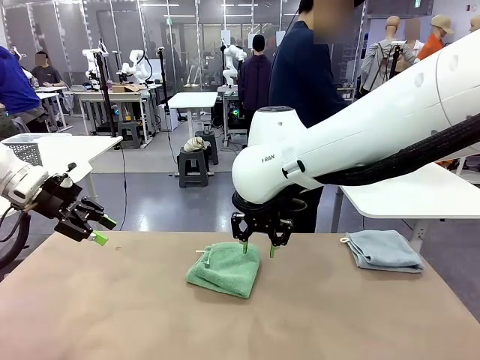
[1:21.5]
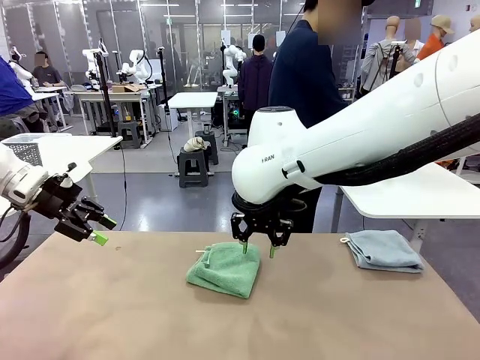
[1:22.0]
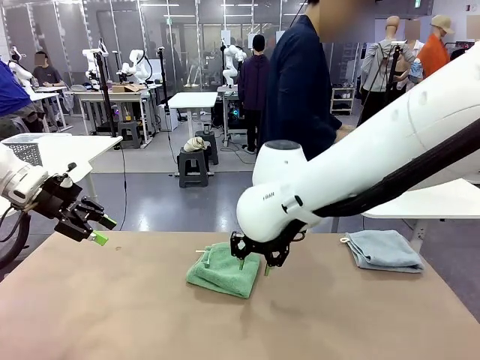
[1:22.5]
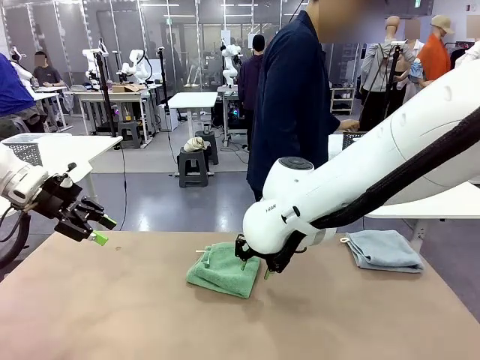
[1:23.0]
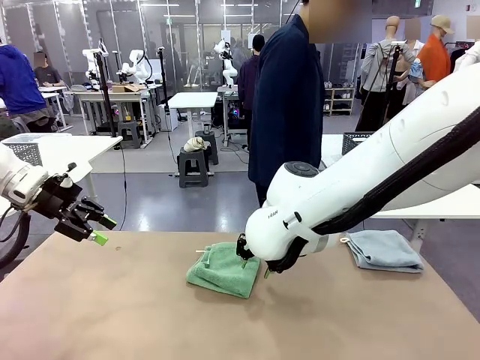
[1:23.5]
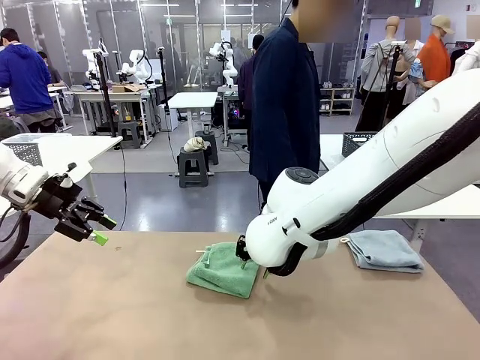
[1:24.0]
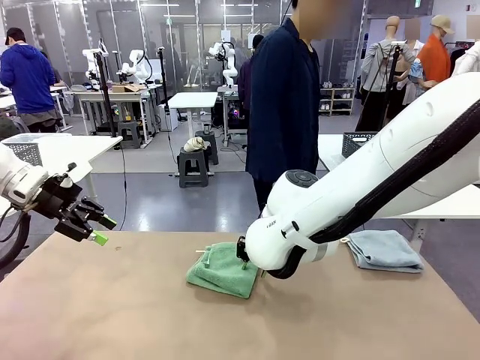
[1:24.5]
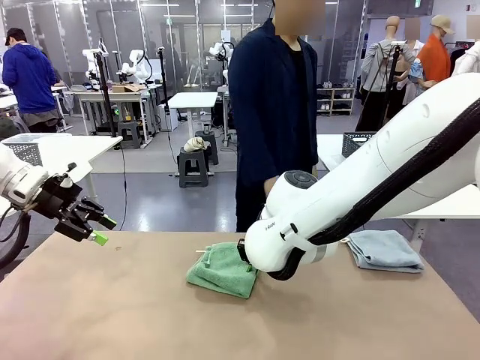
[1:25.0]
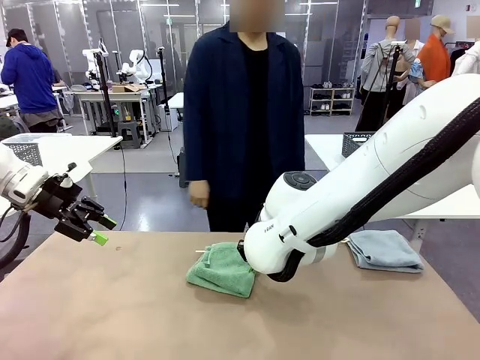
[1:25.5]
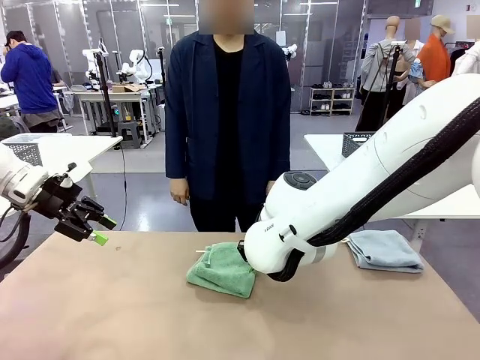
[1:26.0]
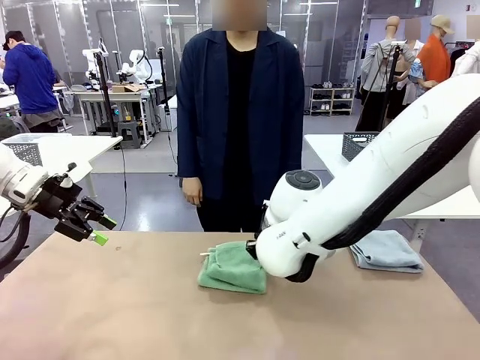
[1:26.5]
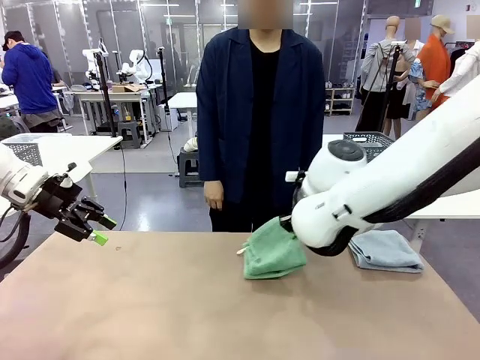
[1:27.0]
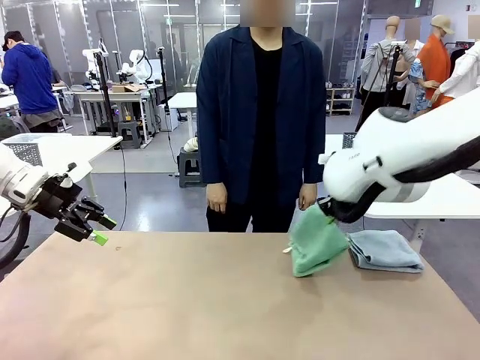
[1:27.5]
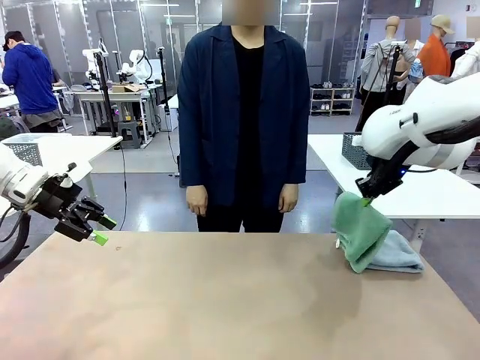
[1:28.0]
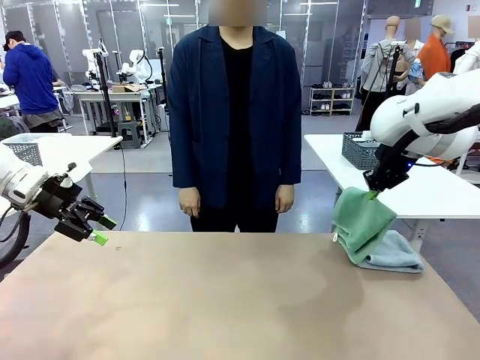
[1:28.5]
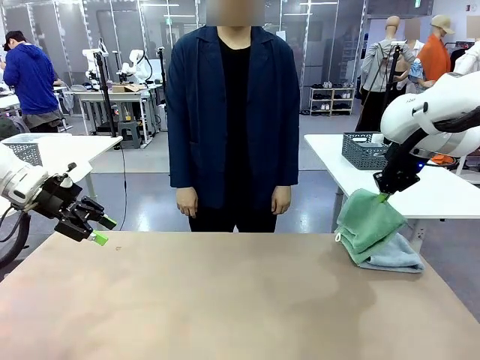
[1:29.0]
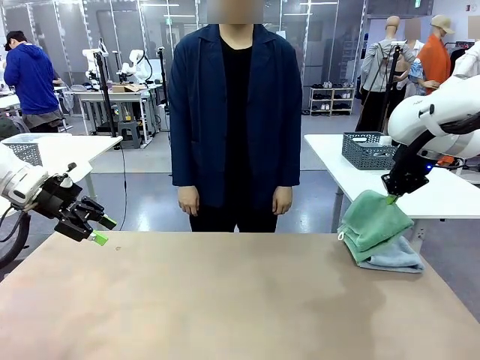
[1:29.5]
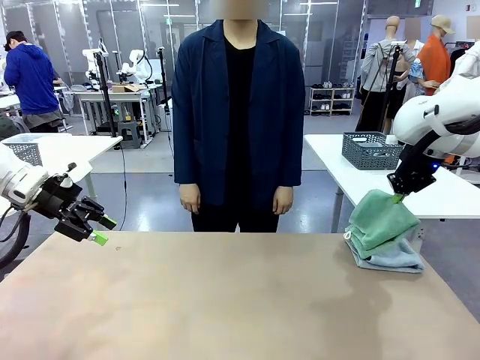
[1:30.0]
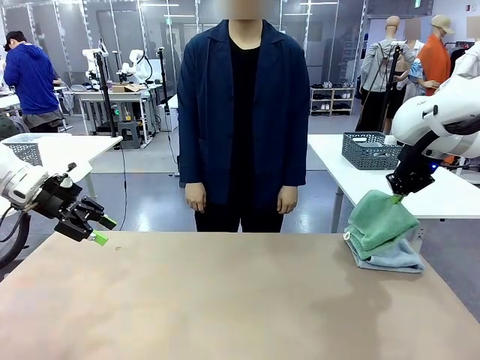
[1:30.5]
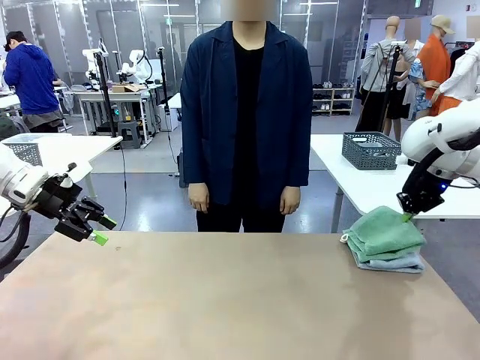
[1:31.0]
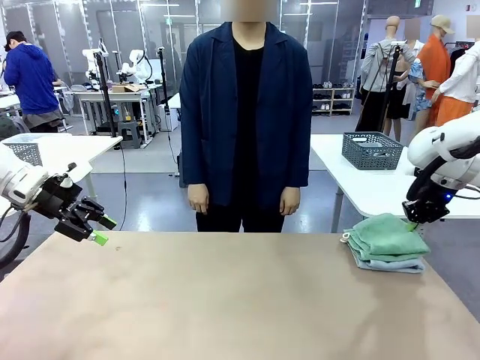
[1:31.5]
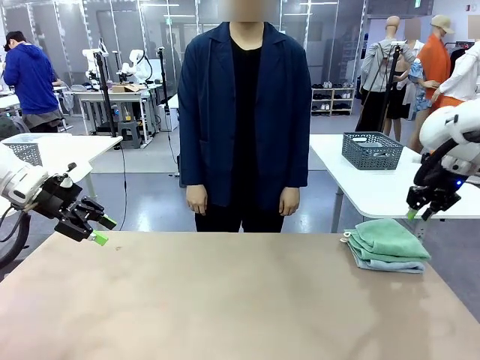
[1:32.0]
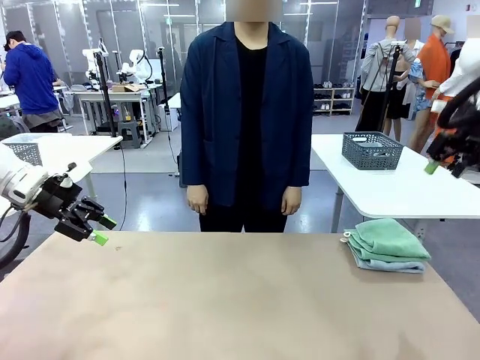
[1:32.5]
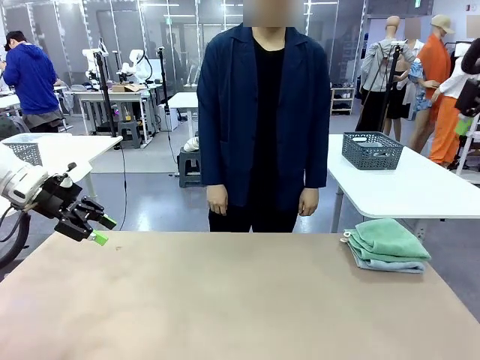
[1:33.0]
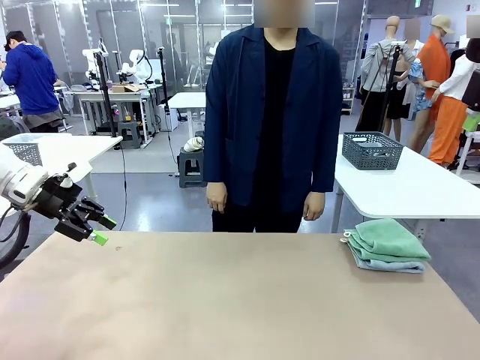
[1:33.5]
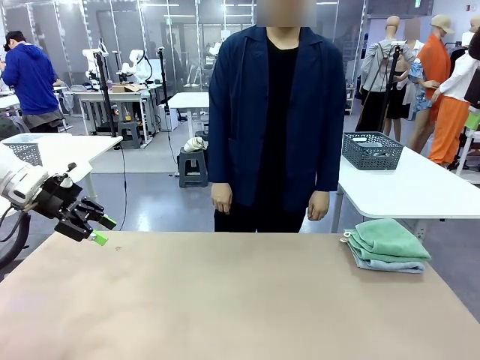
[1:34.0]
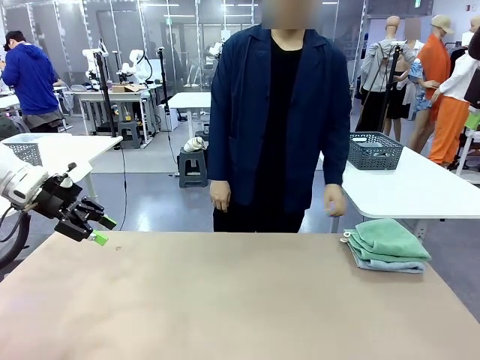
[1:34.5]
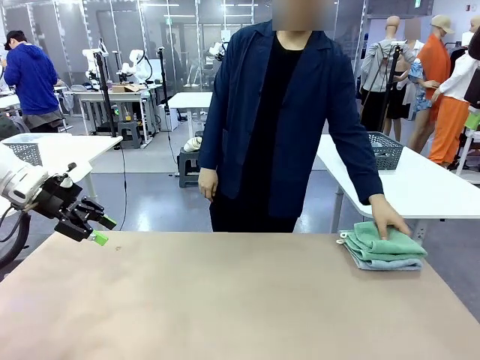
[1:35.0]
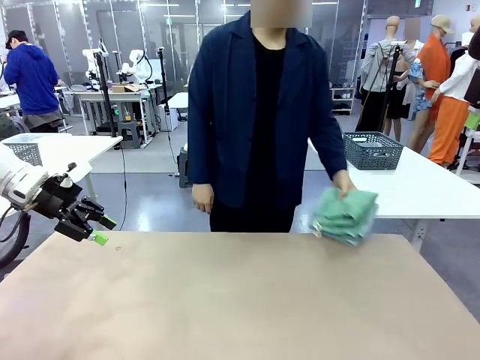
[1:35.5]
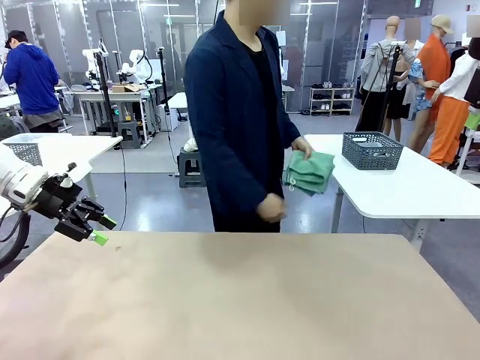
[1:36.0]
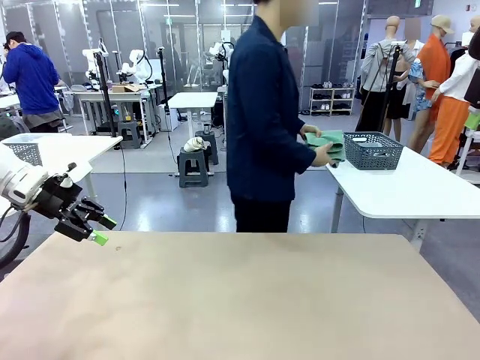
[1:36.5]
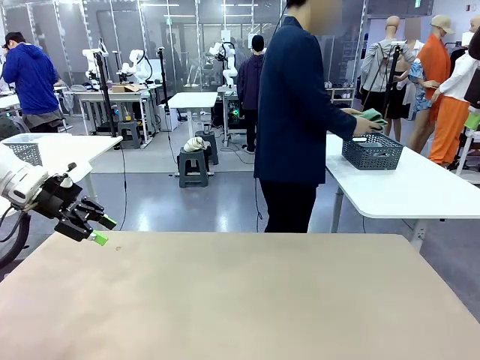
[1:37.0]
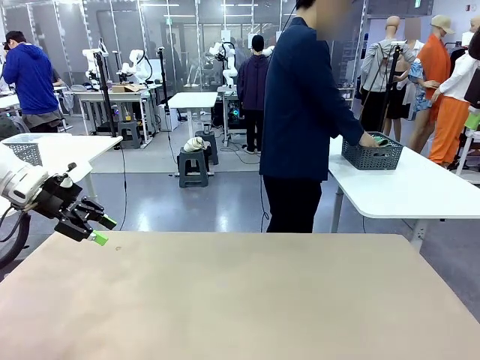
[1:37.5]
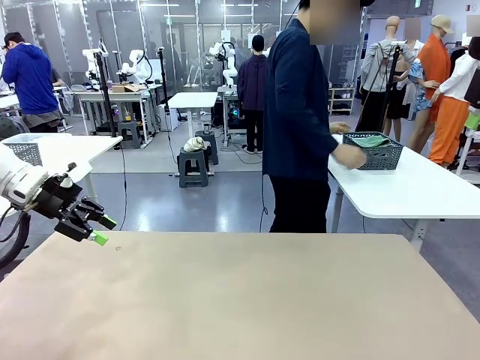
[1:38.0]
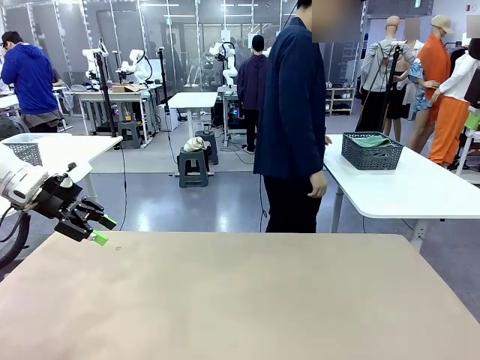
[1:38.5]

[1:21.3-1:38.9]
Task: Fold the towels and place them in the basket.
Robot: Stack the folded Towel with hook on the right side of the table.
Person: Pick up the stack of towels from the robot table and place it into the basket.

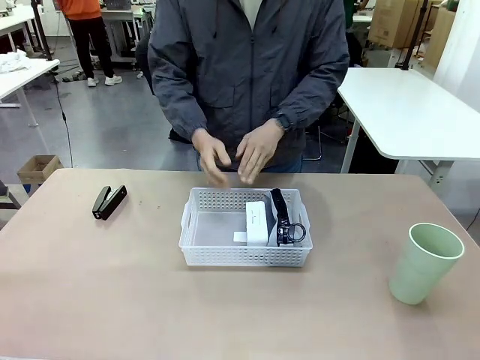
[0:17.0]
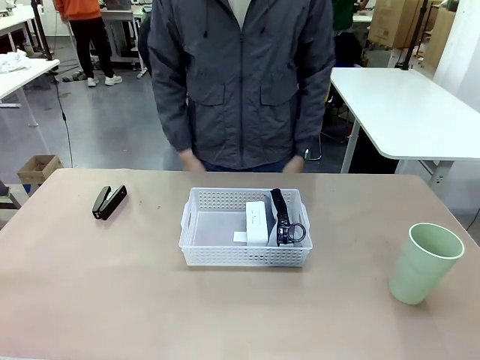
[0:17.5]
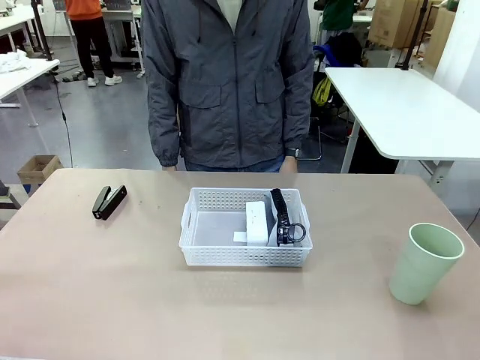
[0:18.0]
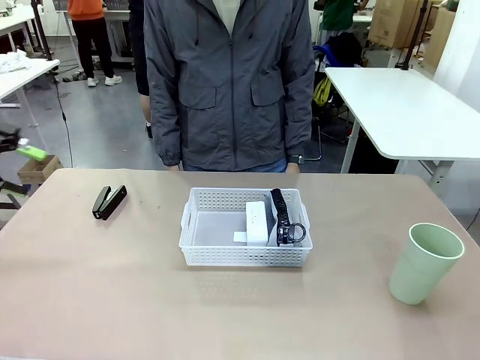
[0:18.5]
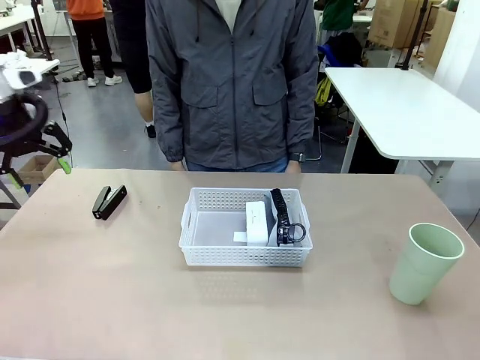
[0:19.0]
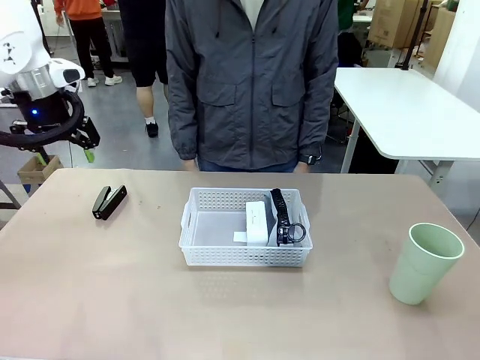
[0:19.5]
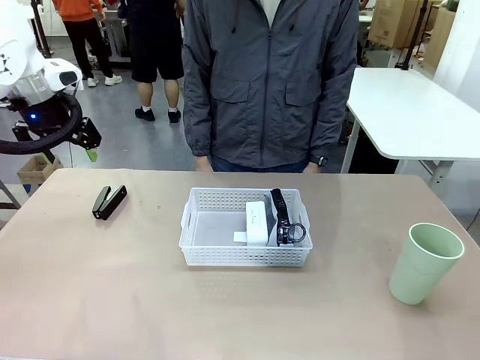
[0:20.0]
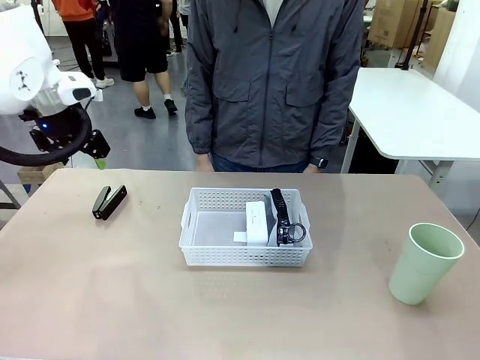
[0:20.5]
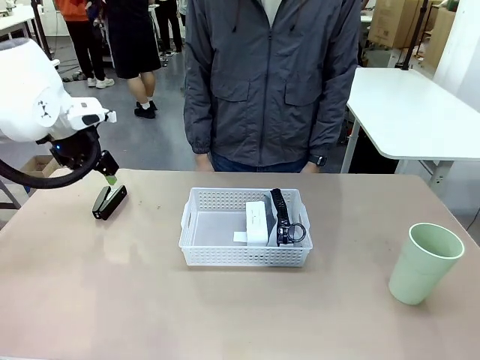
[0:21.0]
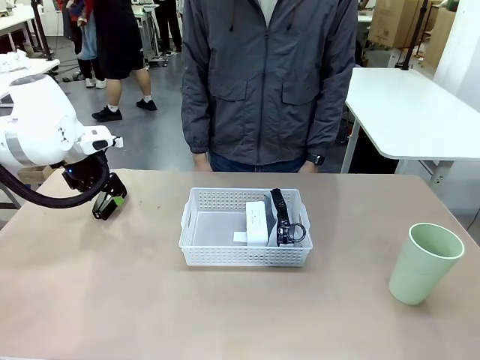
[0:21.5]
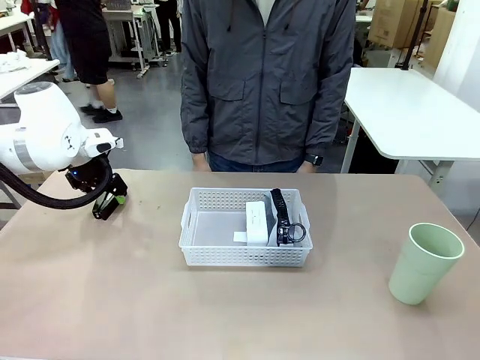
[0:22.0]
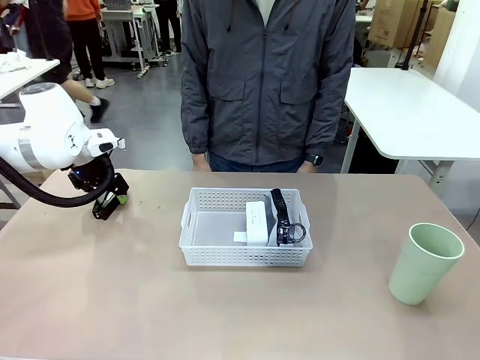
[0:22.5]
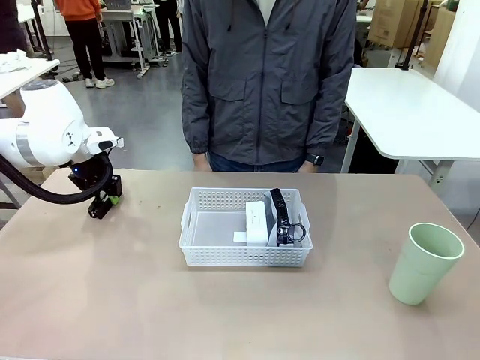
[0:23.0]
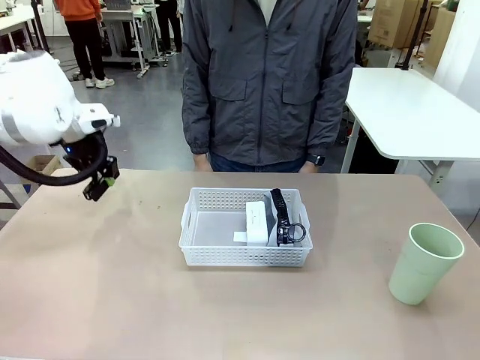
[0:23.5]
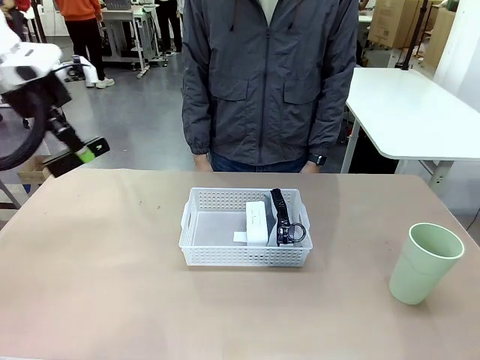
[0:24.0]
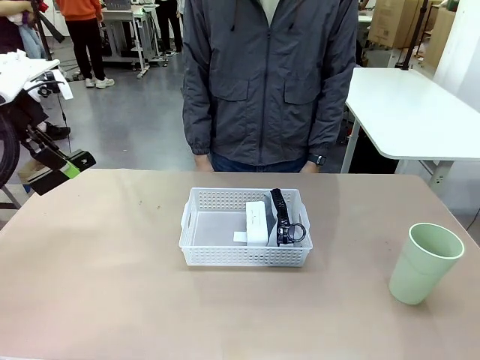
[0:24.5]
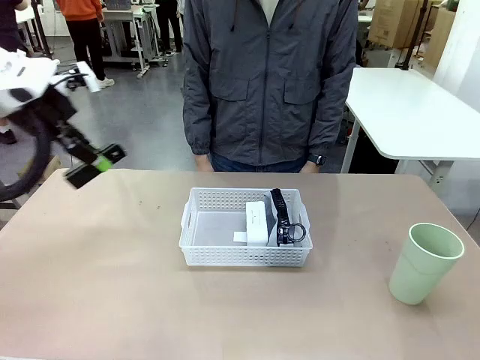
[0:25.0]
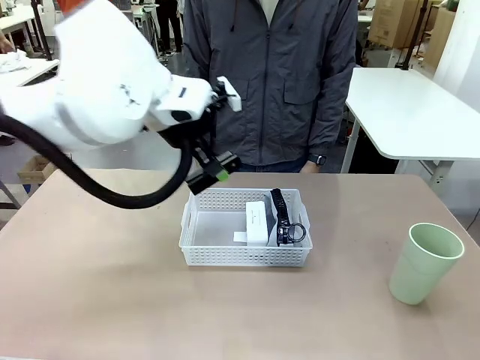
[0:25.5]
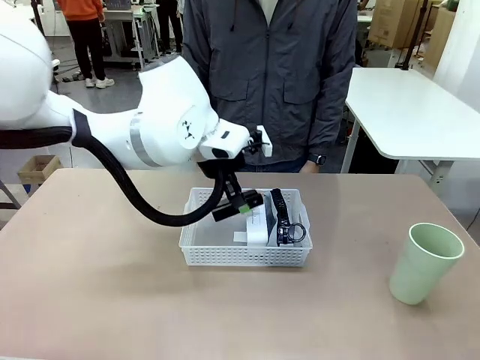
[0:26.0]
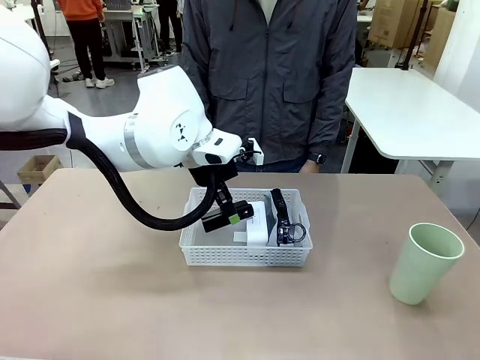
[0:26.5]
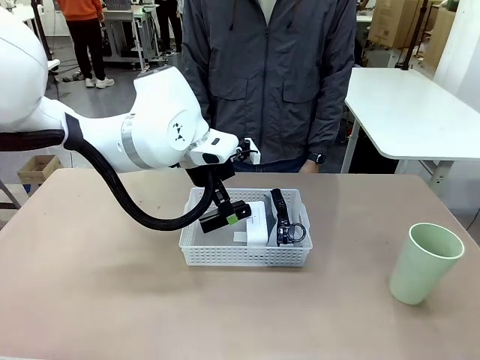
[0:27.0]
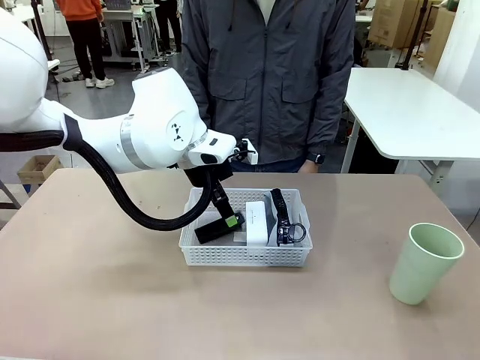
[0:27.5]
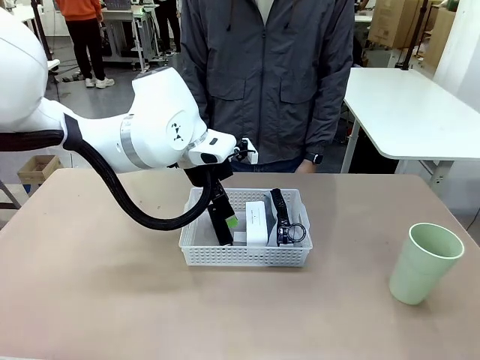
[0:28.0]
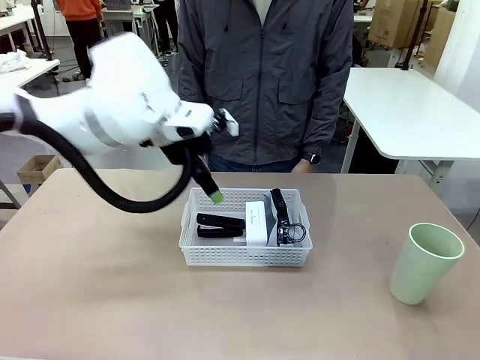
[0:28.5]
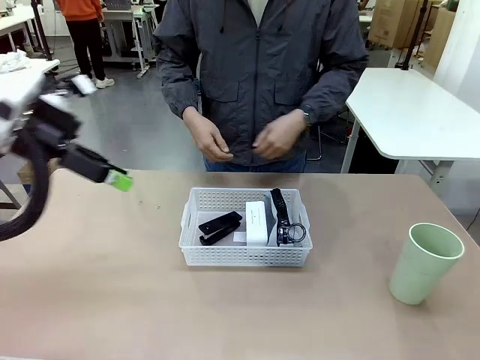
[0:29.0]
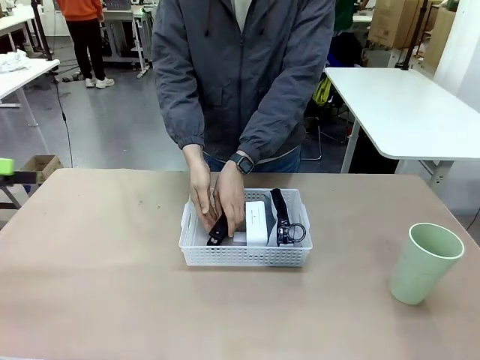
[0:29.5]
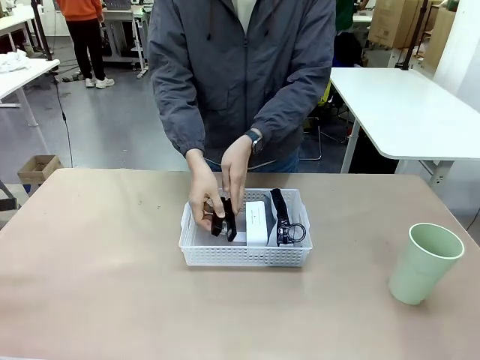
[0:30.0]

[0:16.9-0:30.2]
Task: Efficiently arrange items inside the basket to fit them all.
Robot: Pick up the Stapler and place it inside the Organizing basket.
